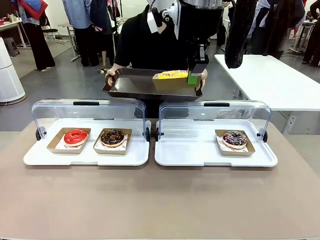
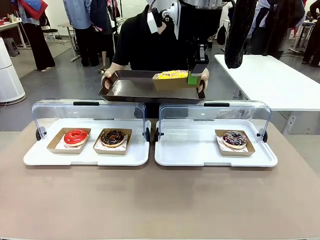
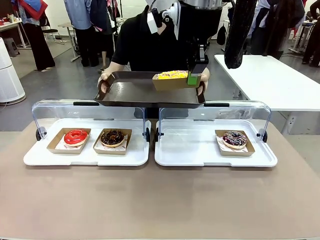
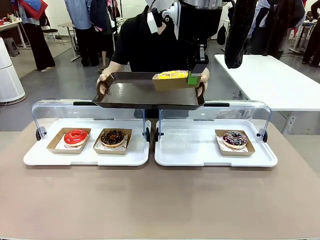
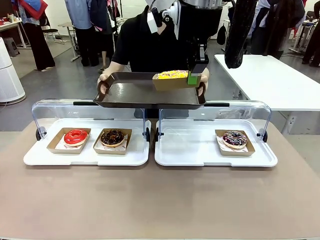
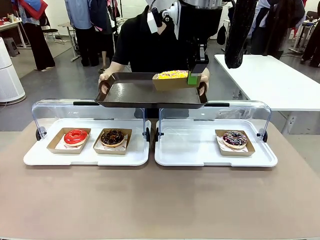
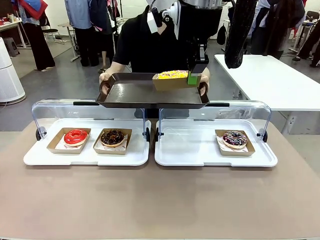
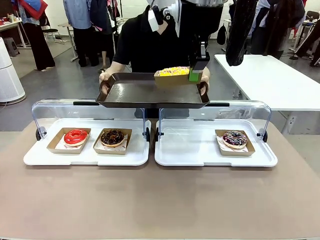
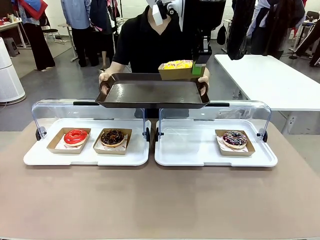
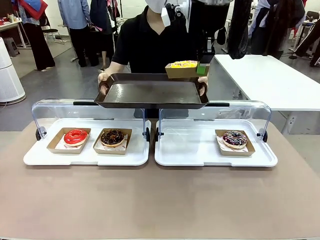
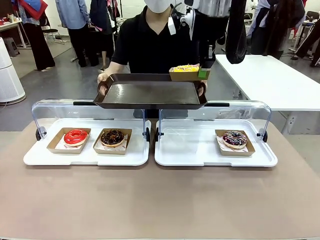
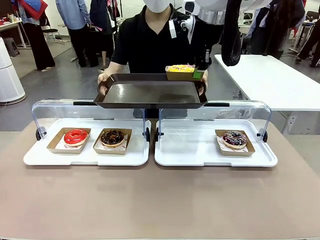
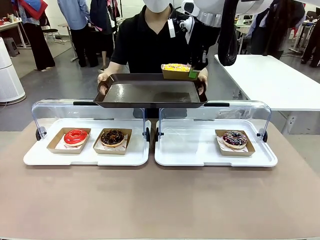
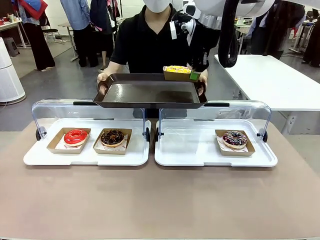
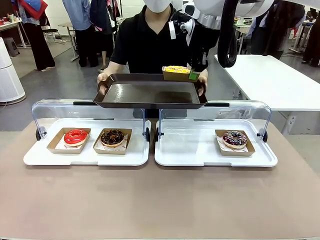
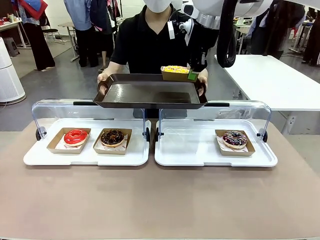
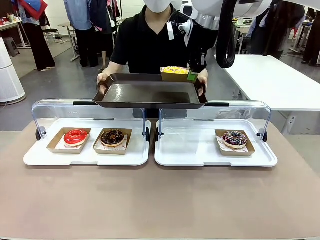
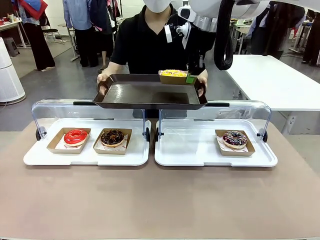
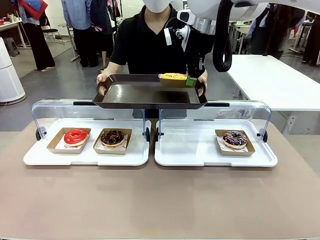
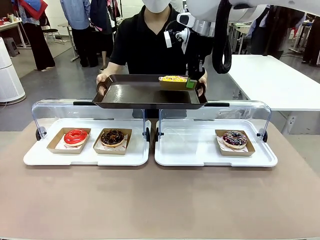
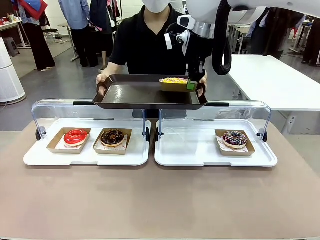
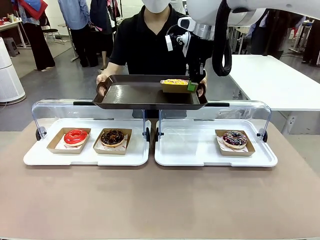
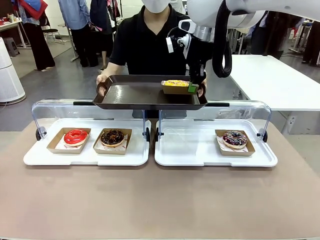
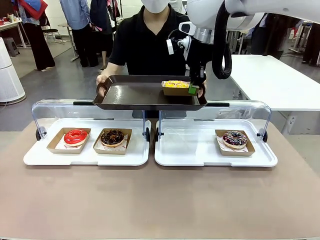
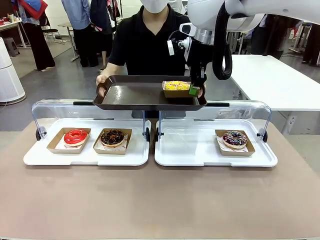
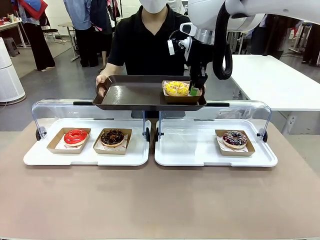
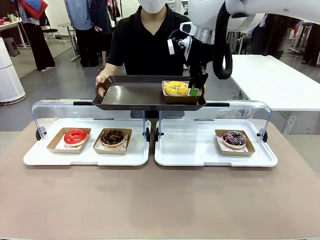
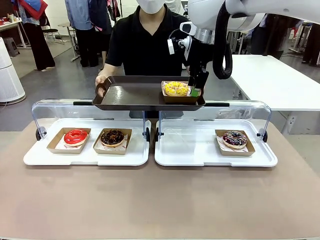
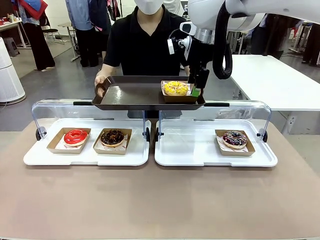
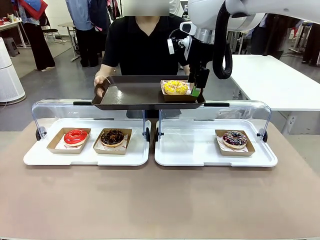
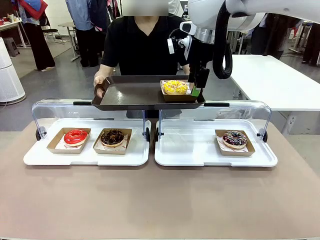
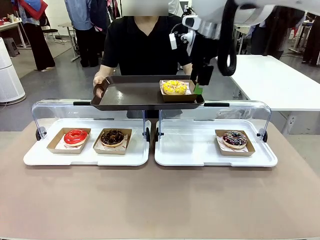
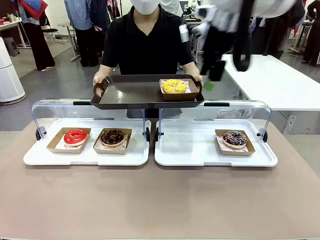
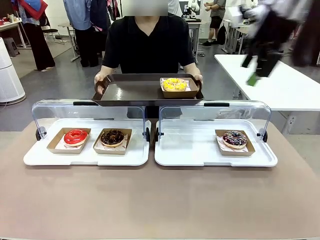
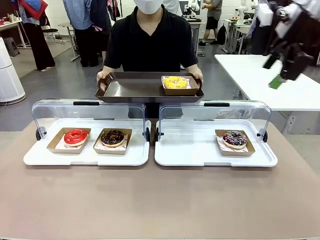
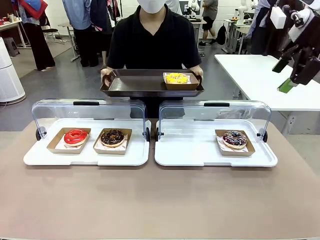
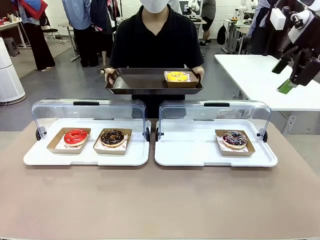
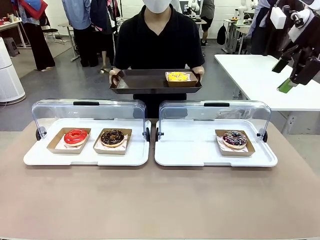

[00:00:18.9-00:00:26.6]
Task: Provide the desired donut to the person.
Robot: Place the picked Paper togo box onto the Handle tray extended by the person.

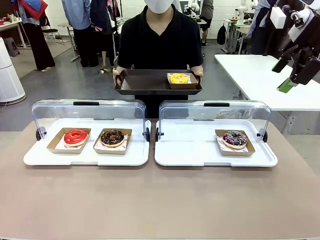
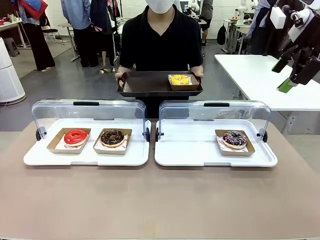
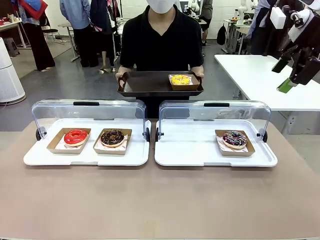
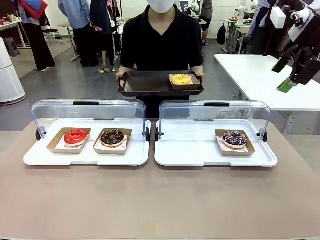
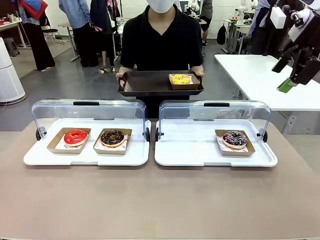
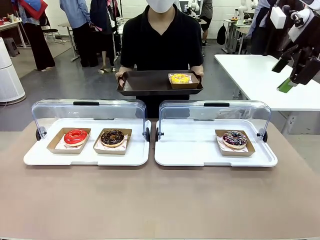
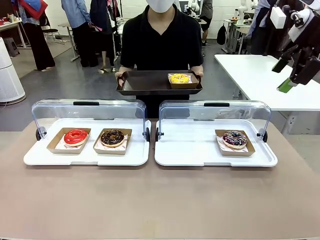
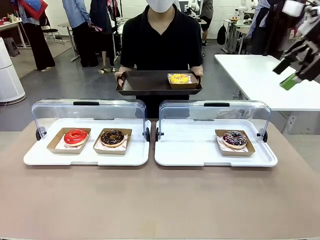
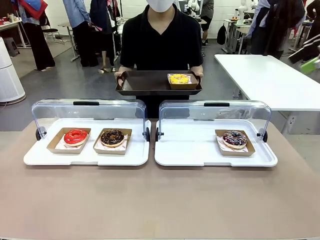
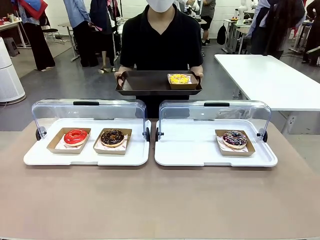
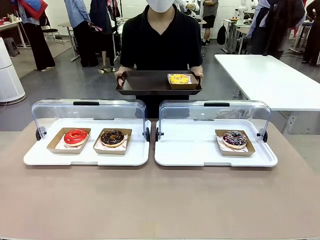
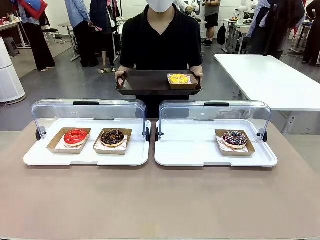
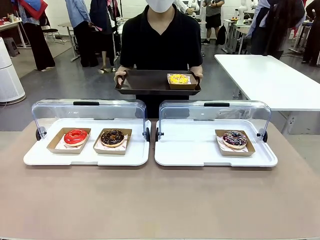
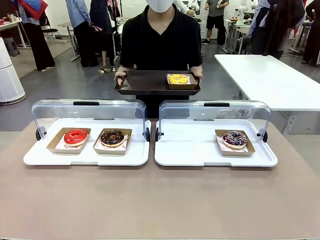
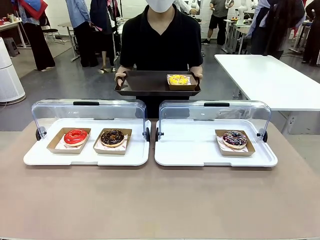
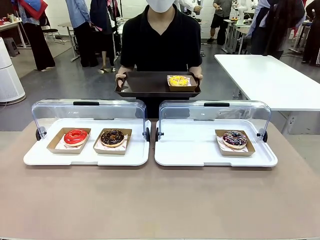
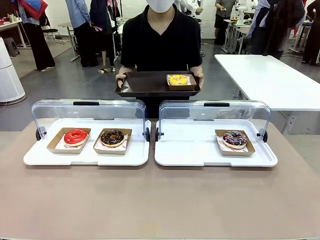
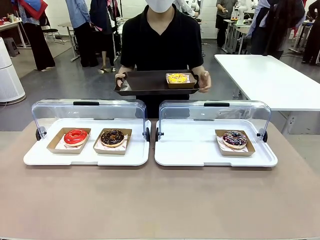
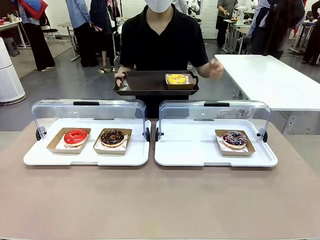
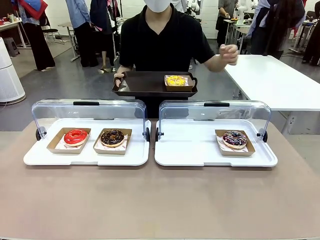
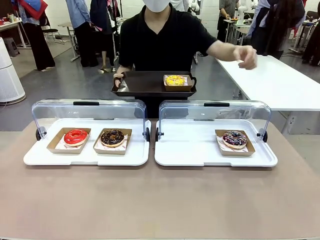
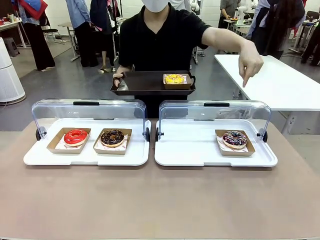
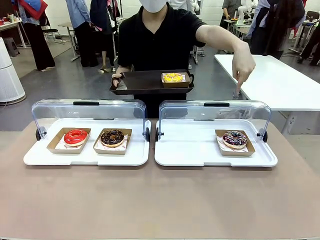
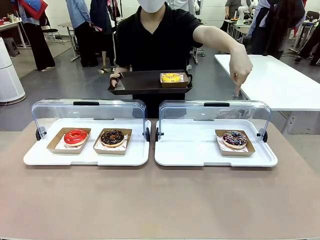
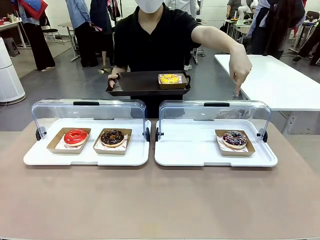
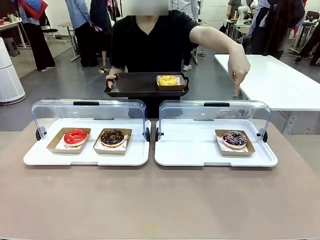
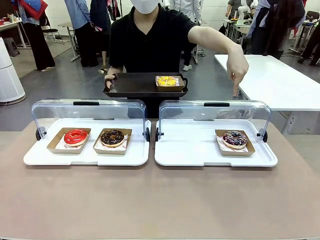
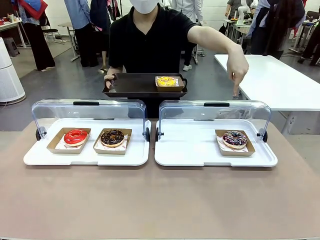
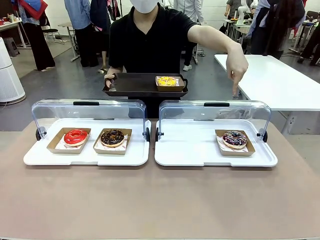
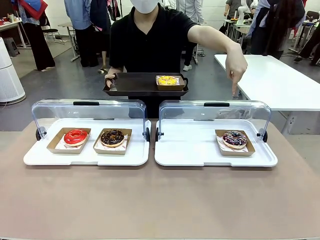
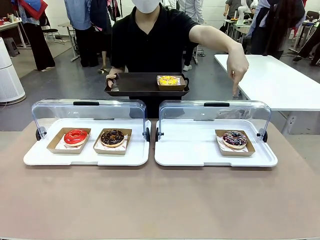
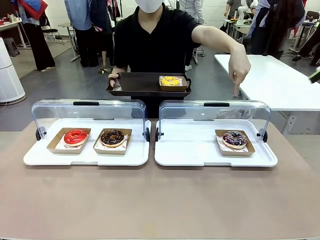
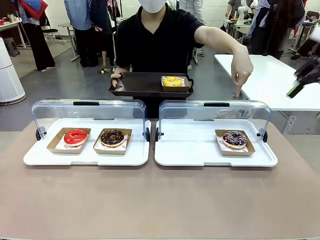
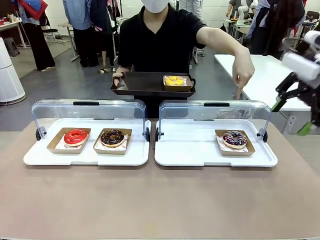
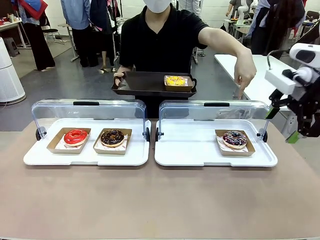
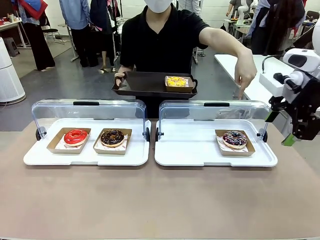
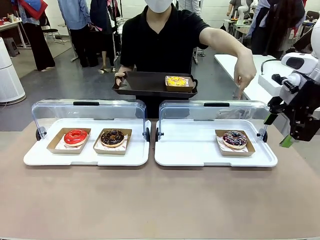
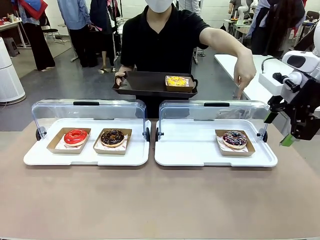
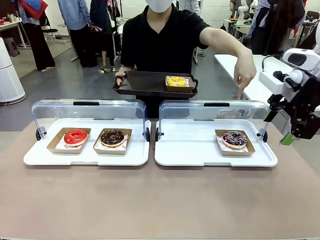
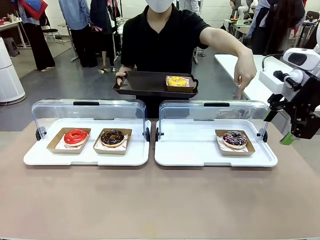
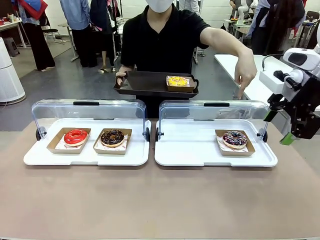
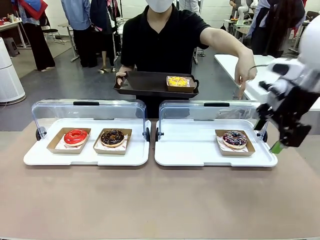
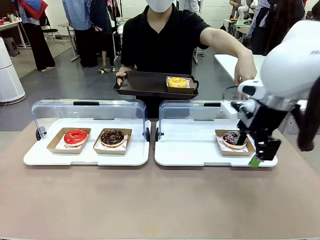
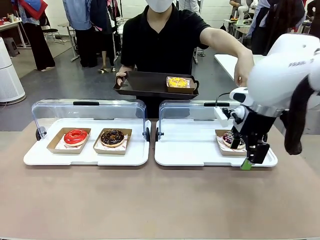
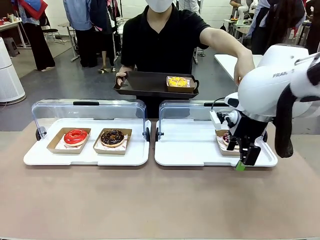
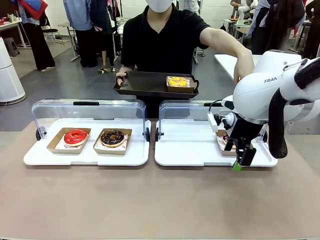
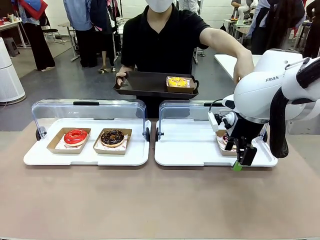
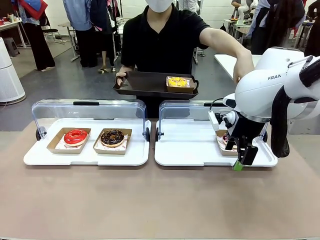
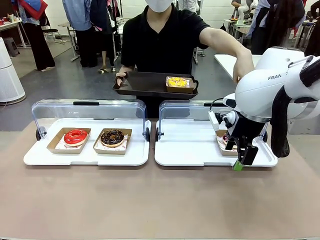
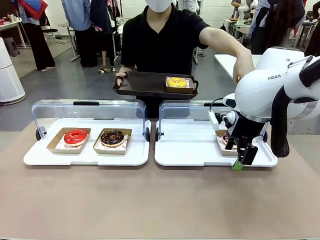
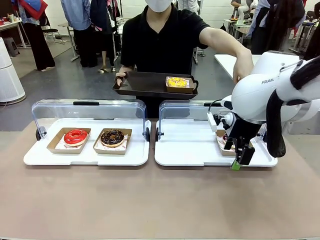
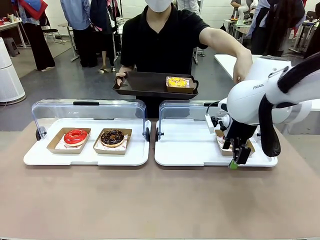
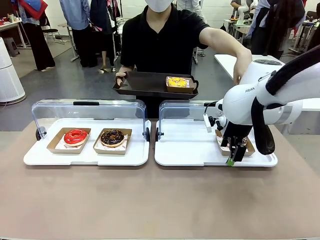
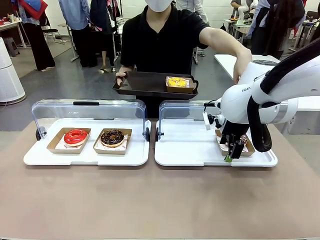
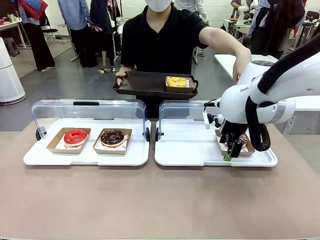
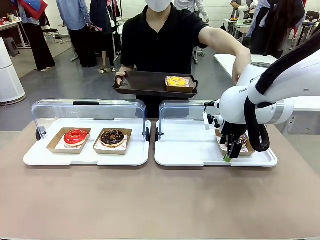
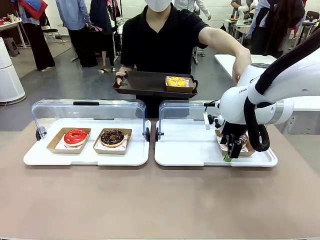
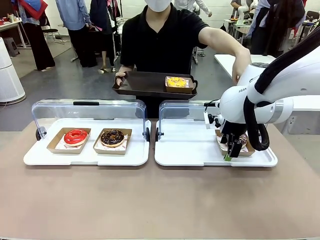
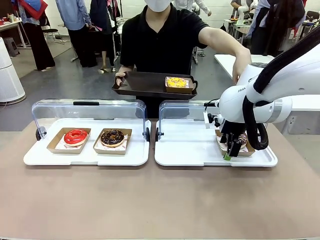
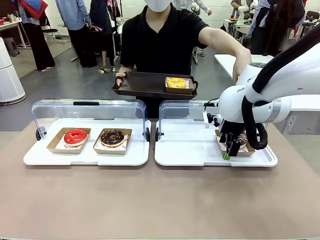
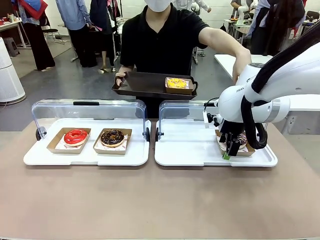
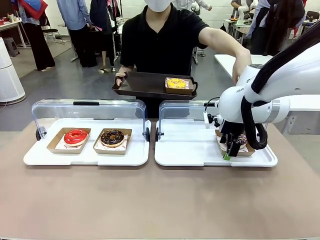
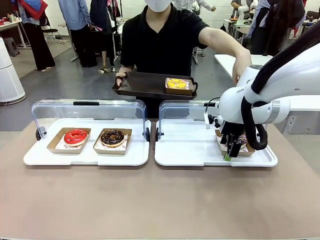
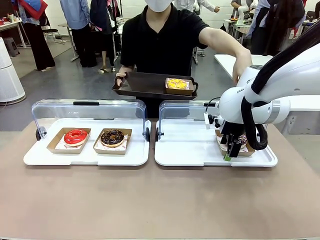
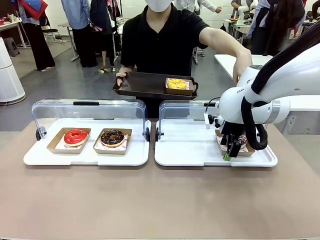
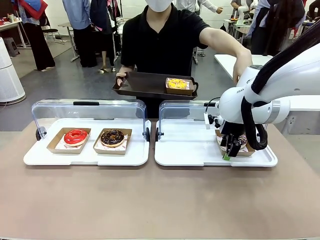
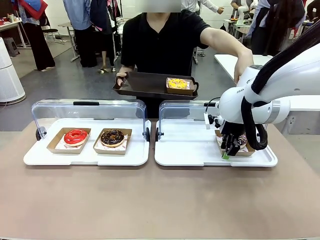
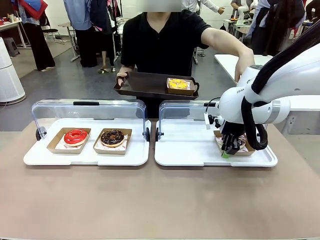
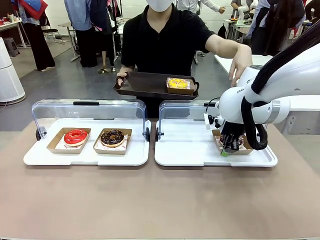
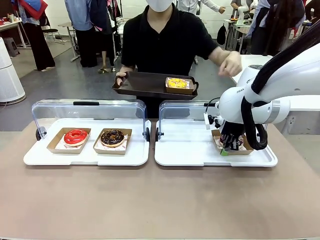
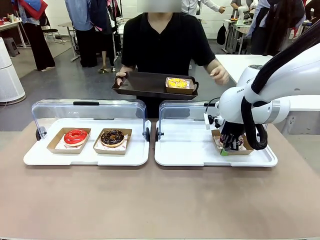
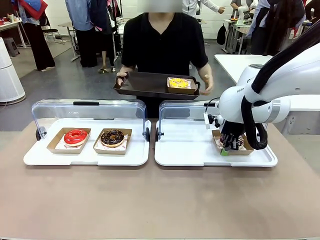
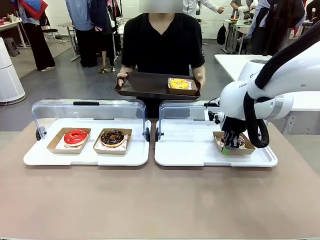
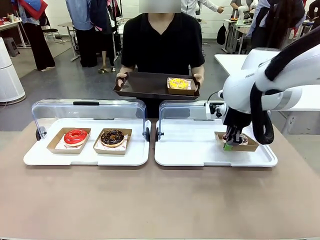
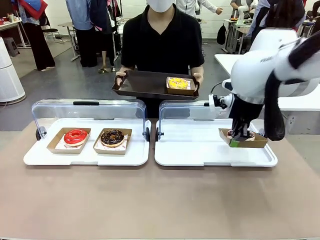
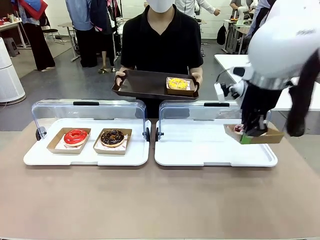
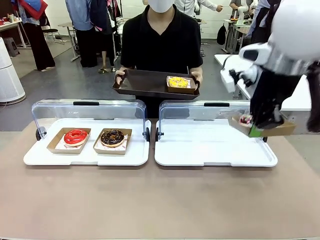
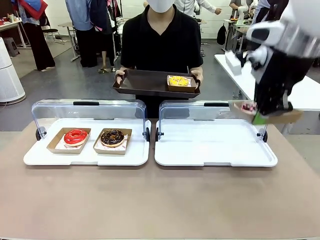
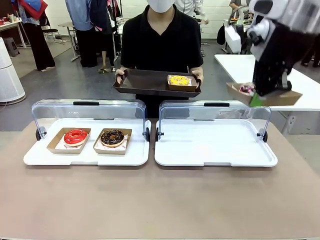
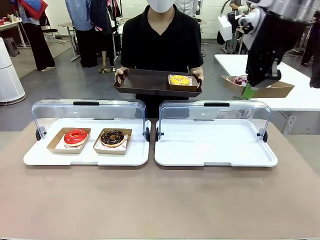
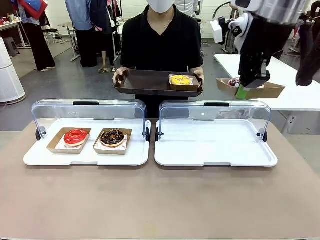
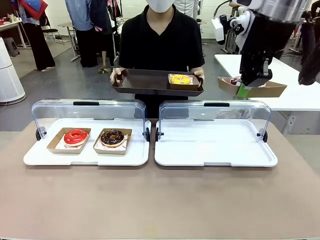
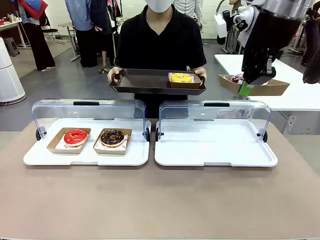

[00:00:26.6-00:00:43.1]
Robot: Pick up and lift the Paper togo box containing the Donut pointed at by the person.
Person: Point to one donut. Lift the tray onto the Roll-Top Bakery Case.
